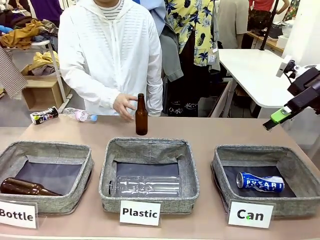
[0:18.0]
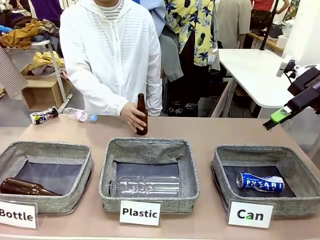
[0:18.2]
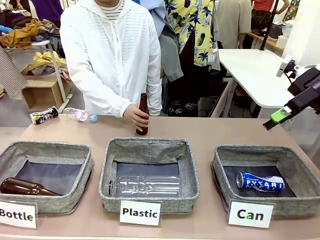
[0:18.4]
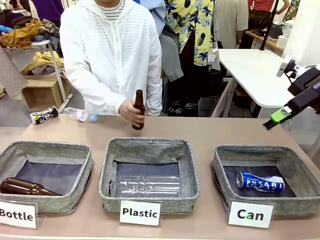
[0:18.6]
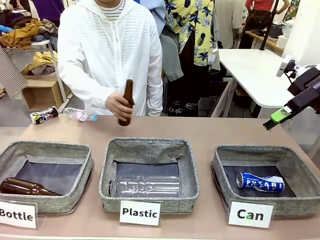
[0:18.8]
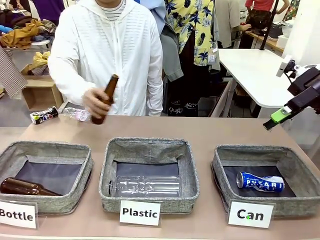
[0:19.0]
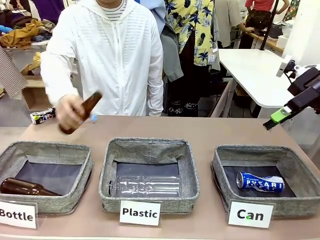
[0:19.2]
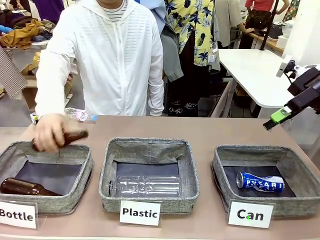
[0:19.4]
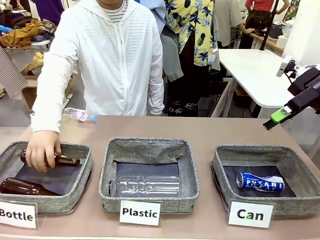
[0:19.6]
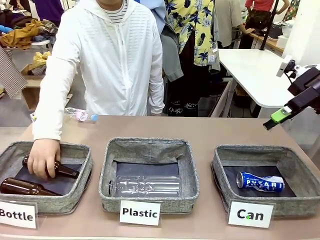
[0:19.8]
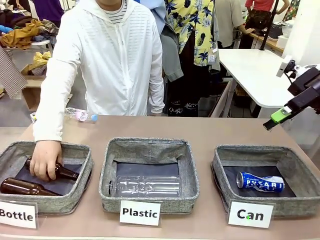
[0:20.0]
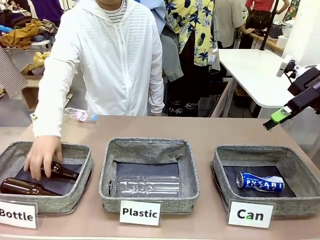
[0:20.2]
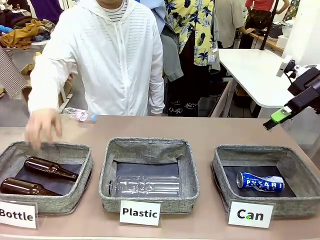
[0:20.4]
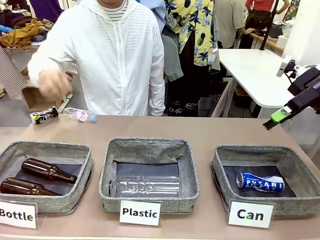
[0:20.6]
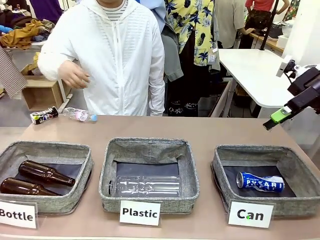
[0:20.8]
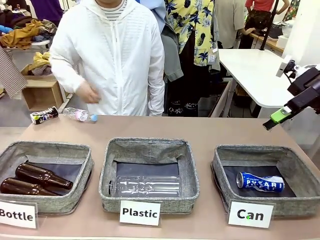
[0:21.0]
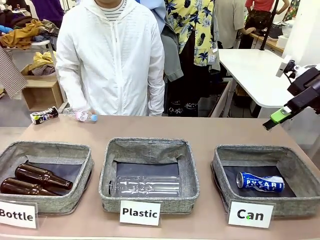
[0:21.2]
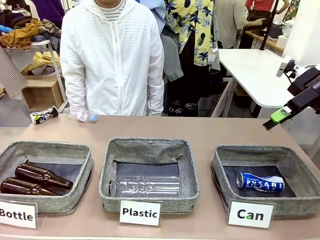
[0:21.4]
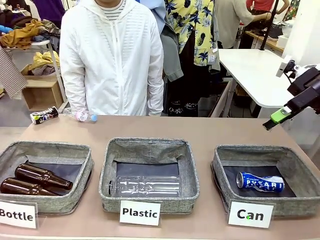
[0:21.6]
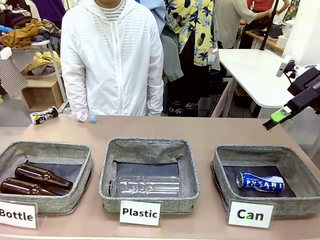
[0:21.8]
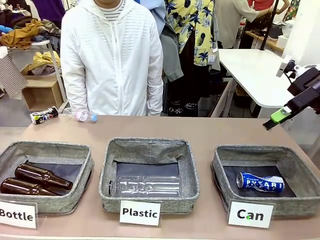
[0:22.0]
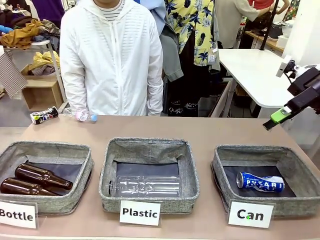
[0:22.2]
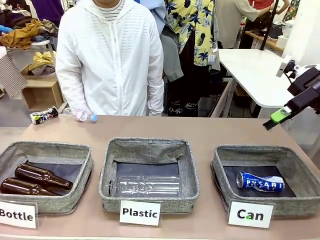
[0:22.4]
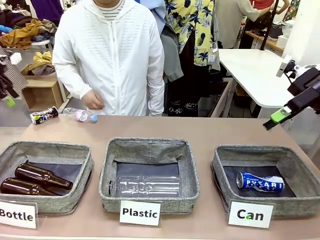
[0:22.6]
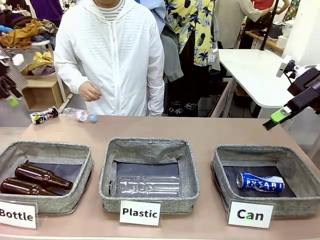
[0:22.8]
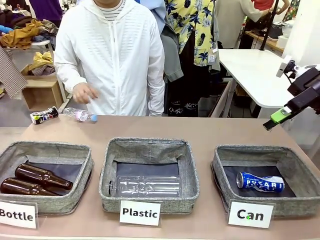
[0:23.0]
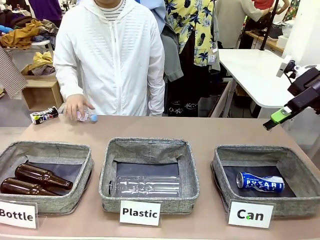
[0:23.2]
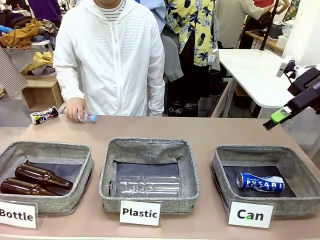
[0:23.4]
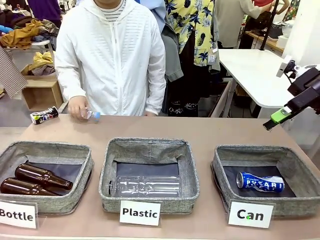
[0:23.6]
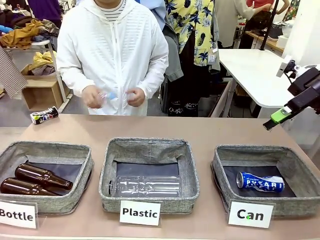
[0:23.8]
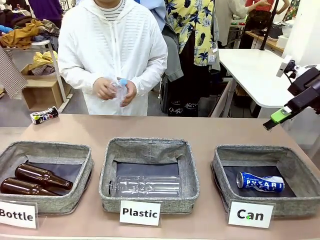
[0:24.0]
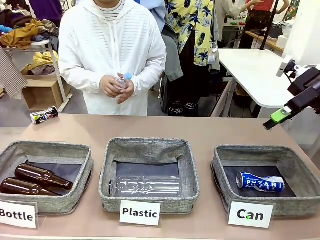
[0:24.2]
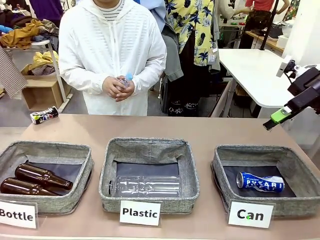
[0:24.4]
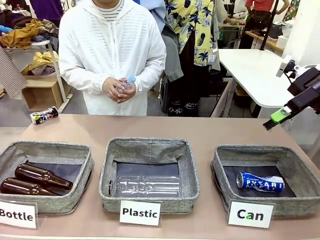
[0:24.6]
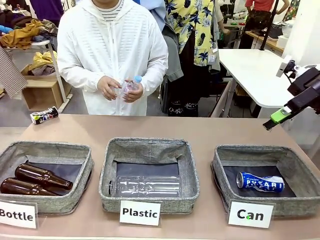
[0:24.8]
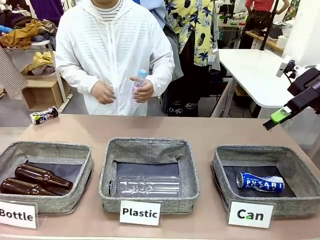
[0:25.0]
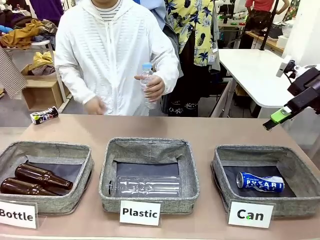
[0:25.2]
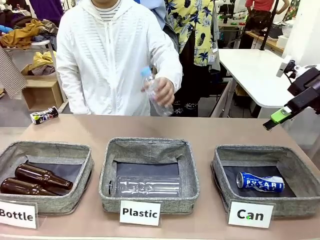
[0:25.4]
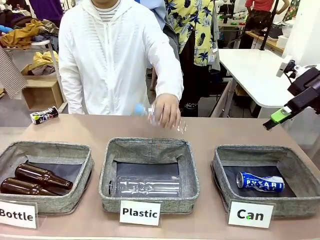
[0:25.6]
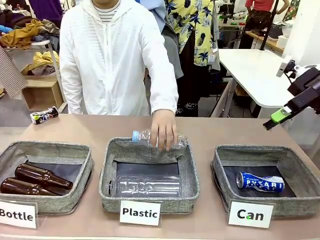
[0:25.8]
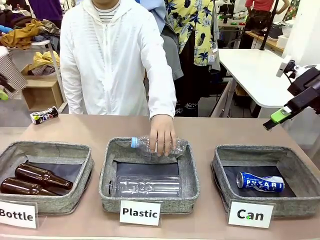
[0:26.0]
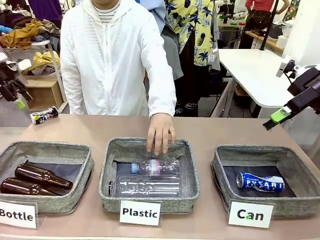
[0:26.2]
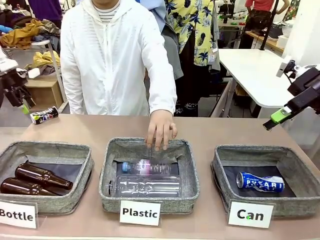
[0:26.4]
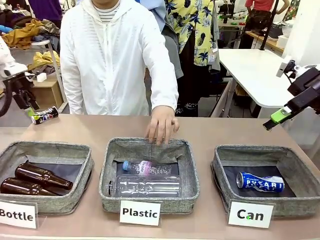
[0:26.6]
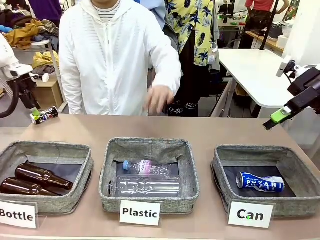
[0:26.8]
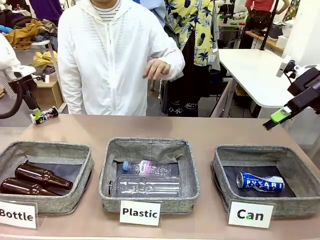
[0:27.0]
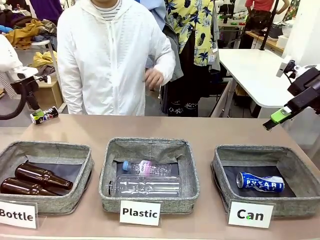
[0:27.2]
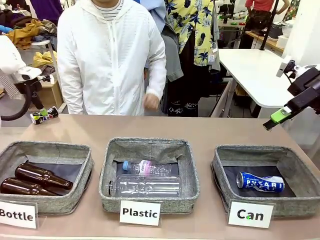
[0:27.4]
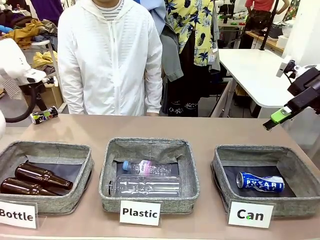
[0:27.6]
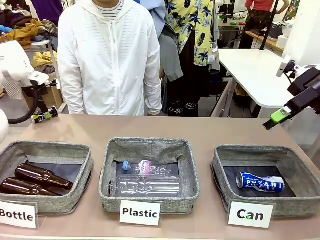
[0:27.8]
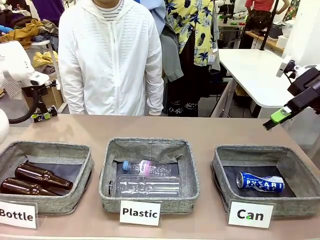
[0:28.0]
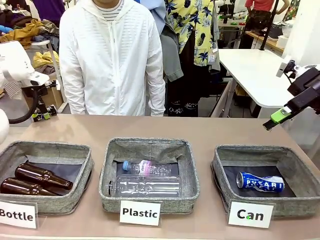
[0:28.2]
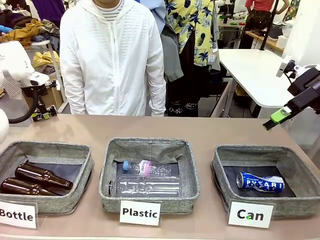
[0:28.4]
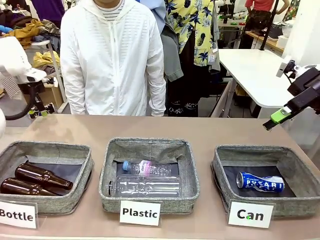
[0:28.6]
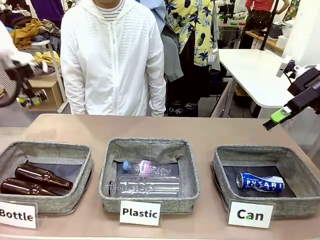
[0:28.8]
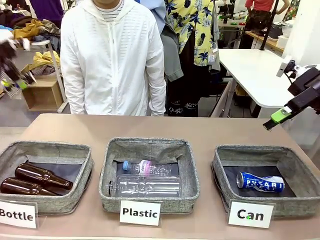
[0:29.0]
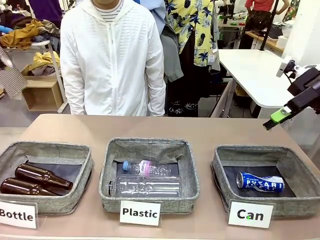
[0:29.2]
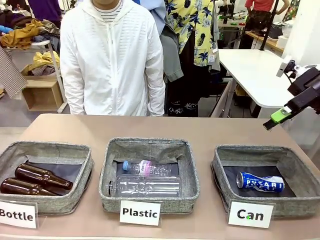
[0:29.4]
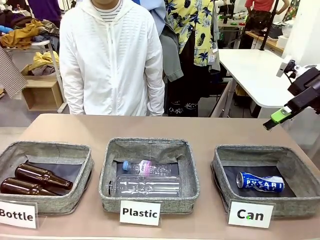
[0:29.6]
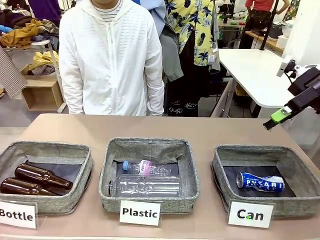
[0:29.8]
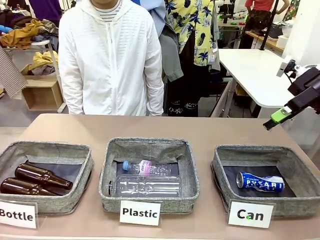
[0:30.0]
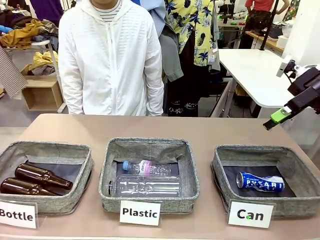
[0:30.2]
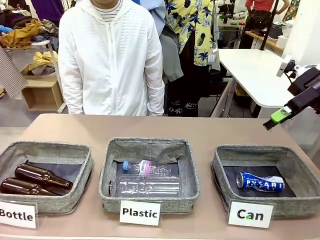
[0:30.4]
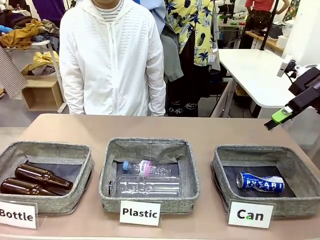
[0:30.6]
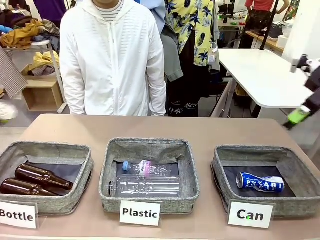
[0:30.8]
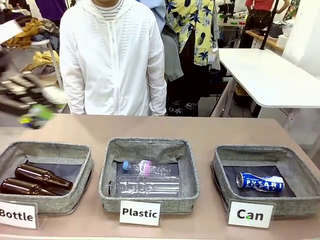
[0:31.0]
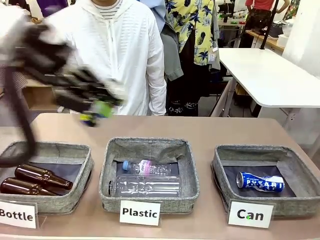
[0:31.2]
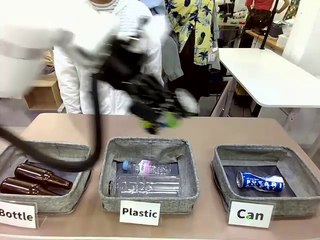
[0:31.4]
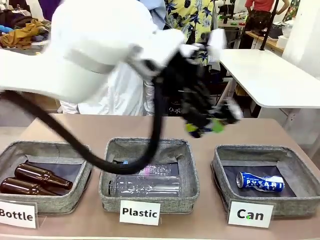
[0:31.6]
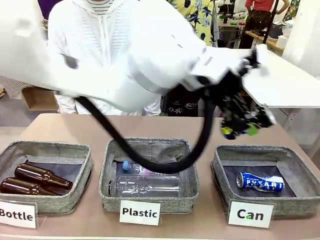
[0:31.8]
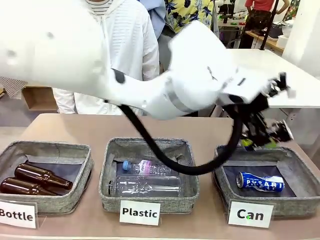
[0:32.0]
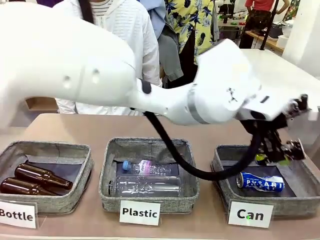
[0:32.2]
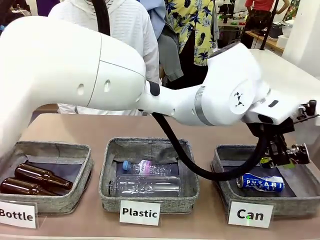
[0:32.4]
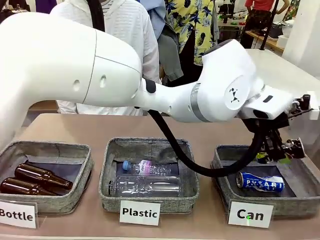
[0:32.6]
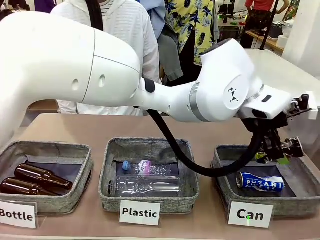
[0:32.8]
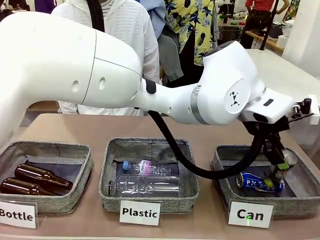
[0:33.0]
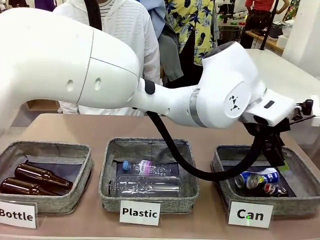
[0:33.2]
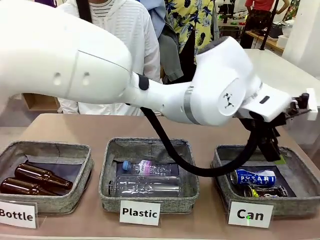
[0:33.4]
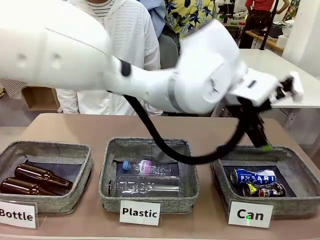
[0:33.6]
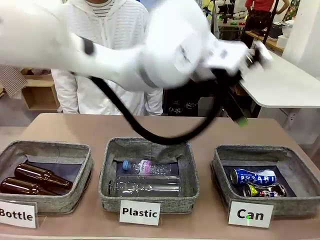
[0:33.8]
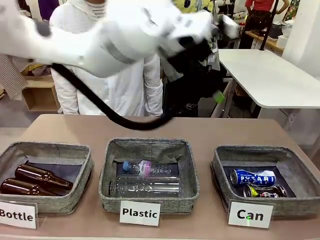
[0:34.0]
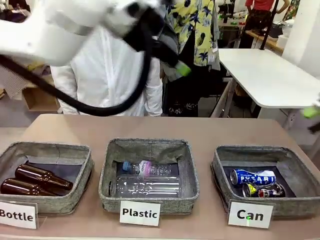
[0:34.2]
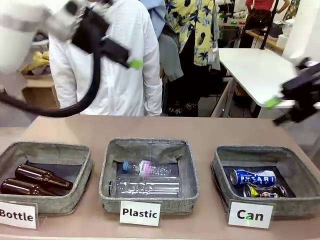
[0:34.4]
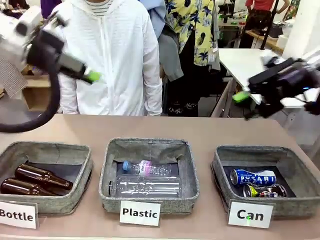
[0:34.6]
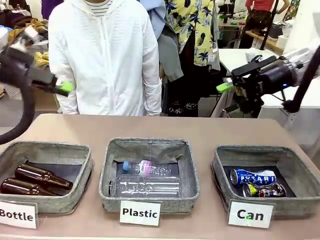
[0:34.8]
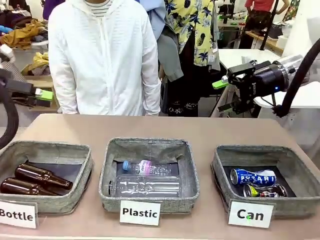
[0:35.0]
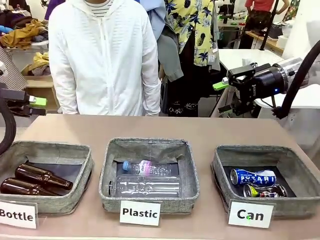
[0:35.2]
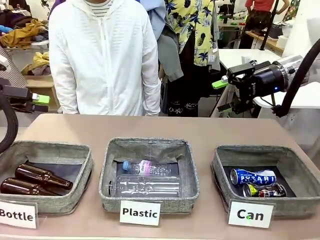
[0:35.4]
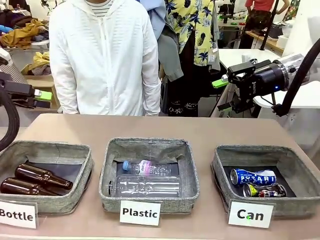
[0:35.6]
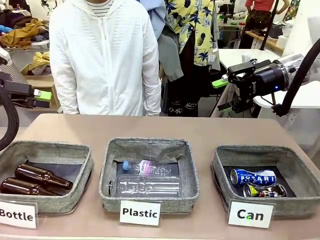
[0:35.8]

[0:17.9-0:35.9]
Task: Sort the can waste into the basket.
Robot: Pick up the can waste from the table and place it in the right Fabric basket.
Person: The human picks up one piece of trash that is not a can and places the trash into the appropriate organizing basket.
